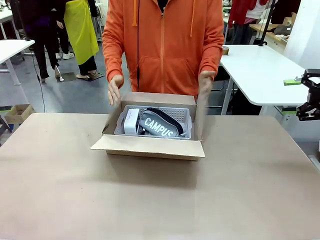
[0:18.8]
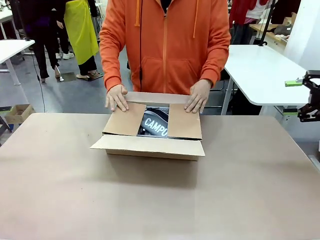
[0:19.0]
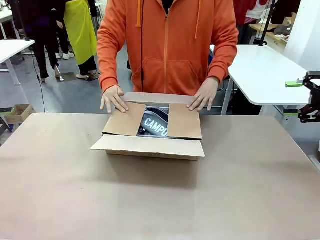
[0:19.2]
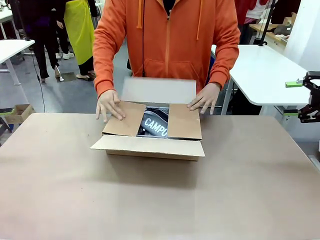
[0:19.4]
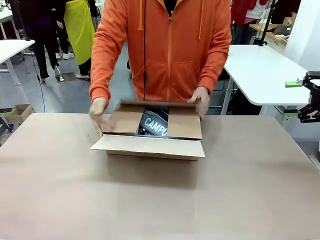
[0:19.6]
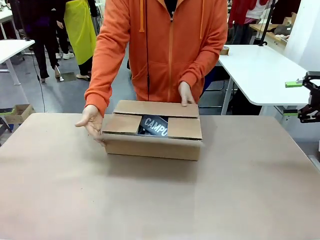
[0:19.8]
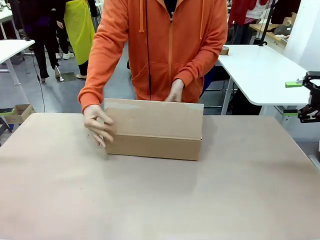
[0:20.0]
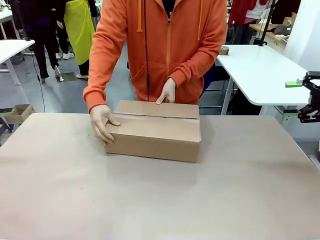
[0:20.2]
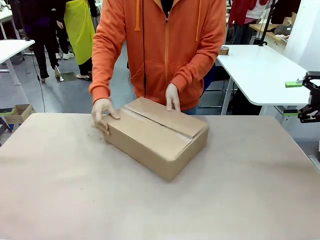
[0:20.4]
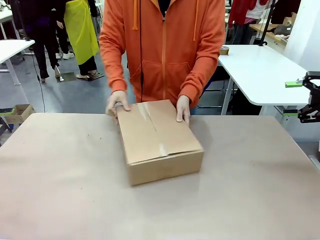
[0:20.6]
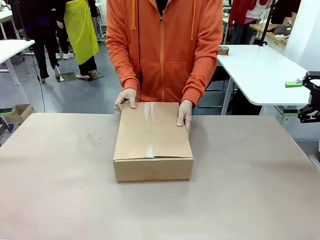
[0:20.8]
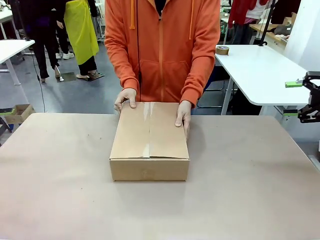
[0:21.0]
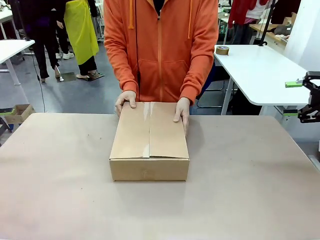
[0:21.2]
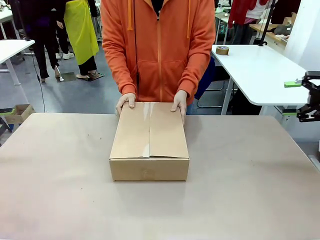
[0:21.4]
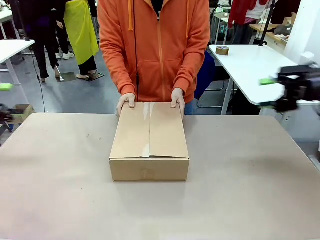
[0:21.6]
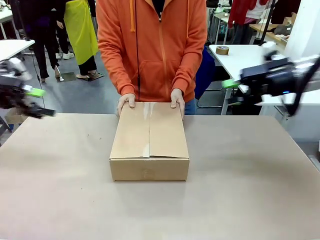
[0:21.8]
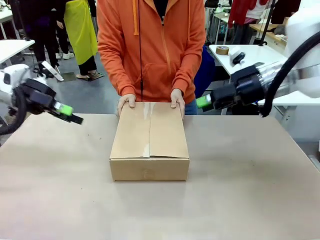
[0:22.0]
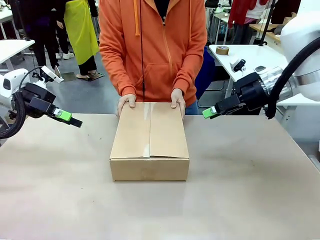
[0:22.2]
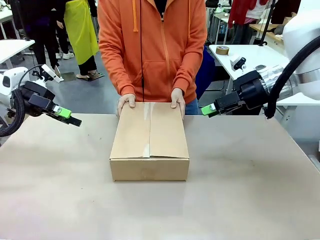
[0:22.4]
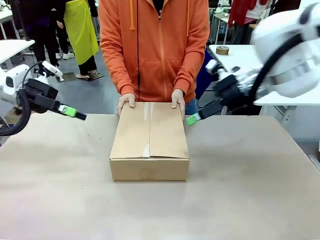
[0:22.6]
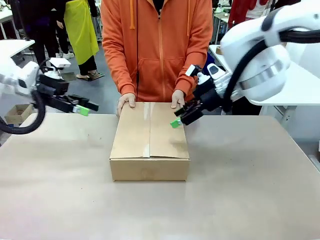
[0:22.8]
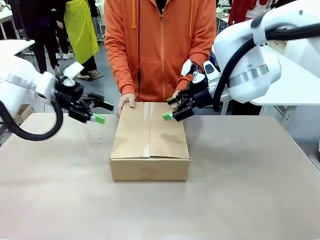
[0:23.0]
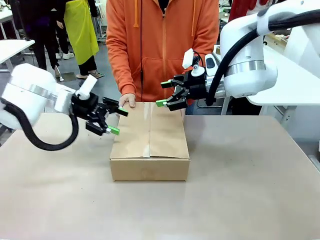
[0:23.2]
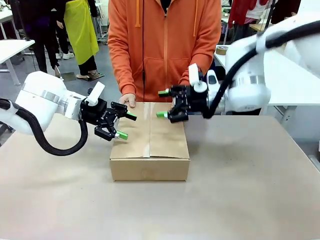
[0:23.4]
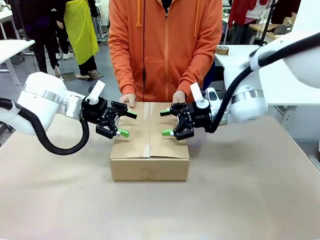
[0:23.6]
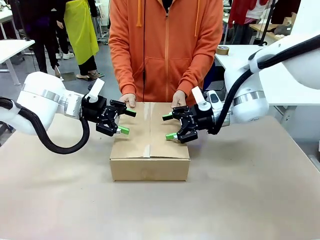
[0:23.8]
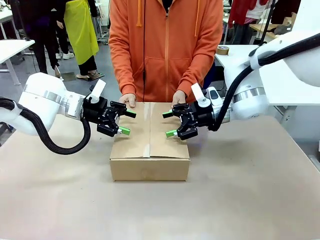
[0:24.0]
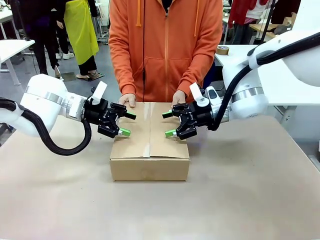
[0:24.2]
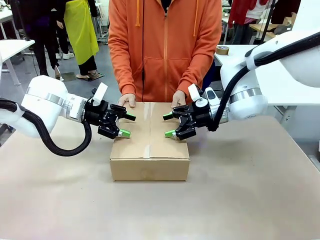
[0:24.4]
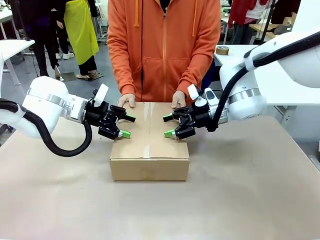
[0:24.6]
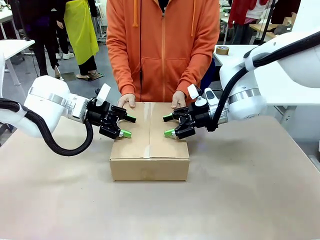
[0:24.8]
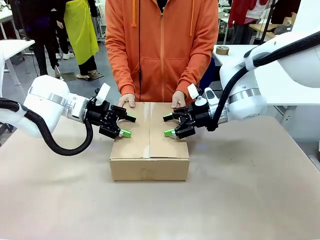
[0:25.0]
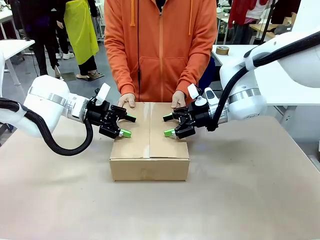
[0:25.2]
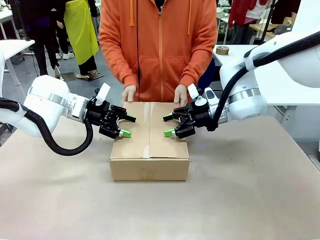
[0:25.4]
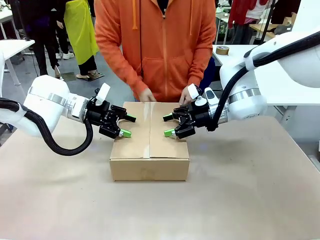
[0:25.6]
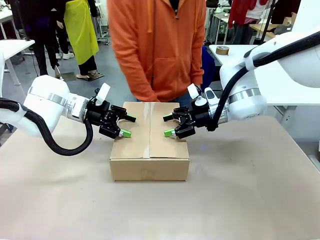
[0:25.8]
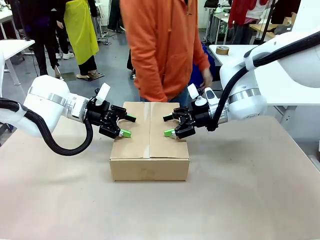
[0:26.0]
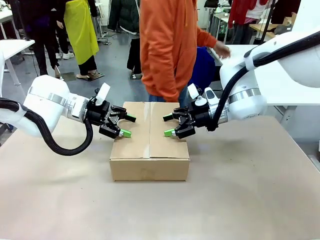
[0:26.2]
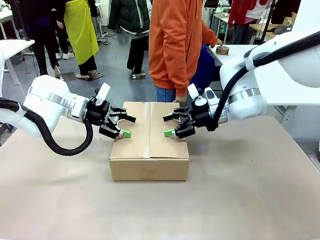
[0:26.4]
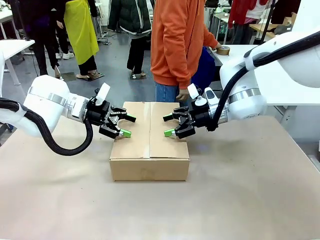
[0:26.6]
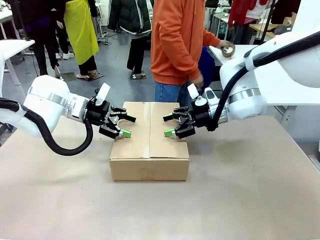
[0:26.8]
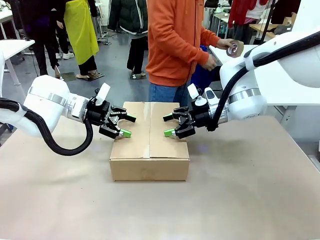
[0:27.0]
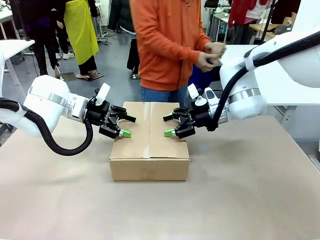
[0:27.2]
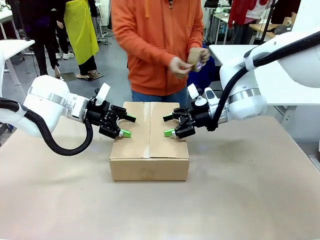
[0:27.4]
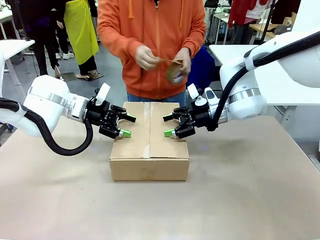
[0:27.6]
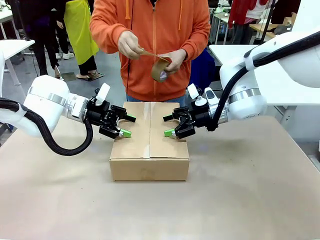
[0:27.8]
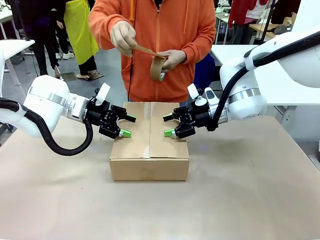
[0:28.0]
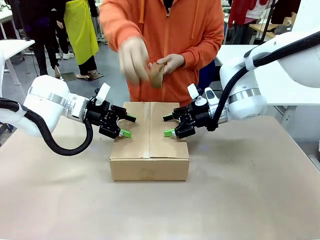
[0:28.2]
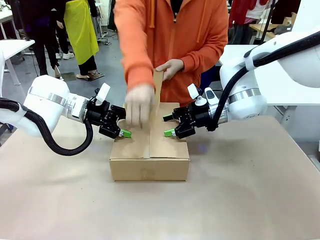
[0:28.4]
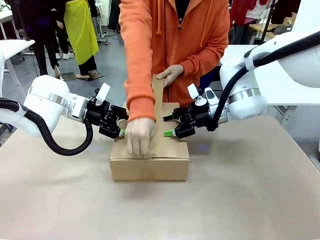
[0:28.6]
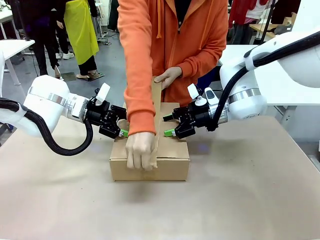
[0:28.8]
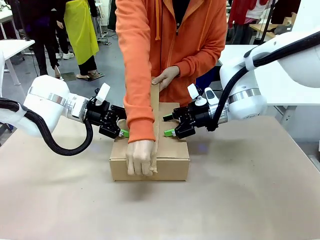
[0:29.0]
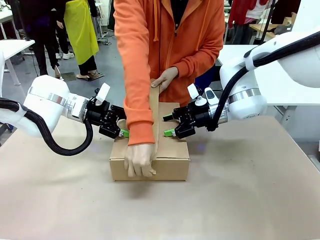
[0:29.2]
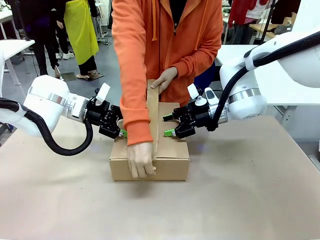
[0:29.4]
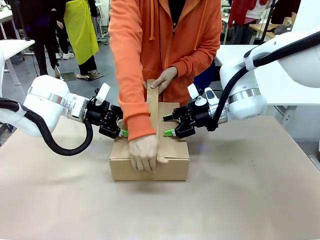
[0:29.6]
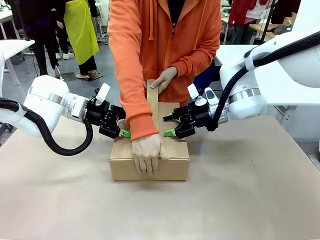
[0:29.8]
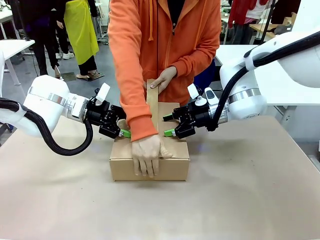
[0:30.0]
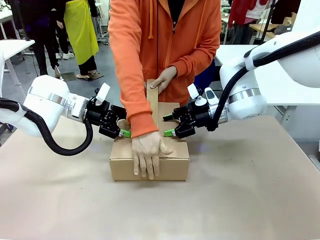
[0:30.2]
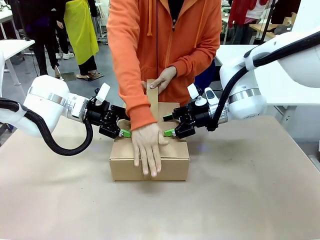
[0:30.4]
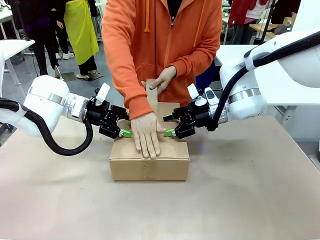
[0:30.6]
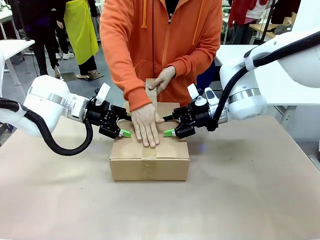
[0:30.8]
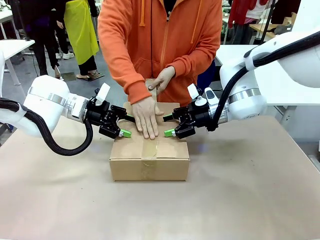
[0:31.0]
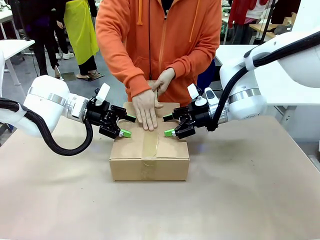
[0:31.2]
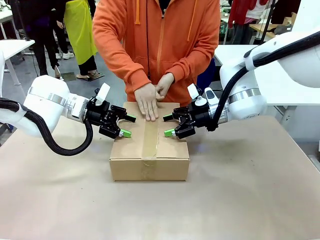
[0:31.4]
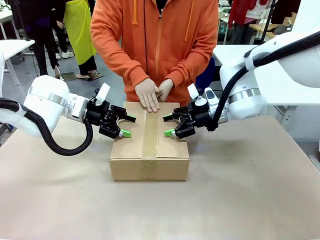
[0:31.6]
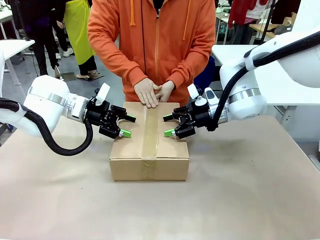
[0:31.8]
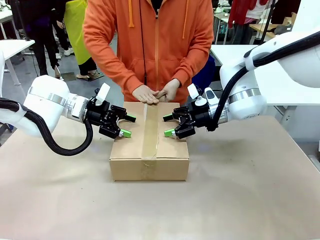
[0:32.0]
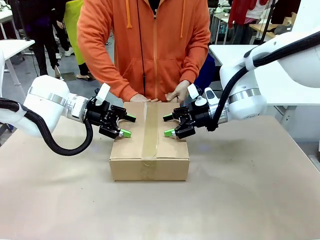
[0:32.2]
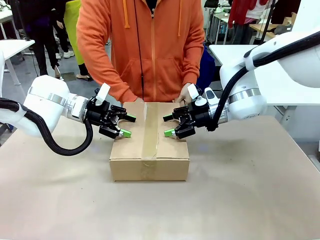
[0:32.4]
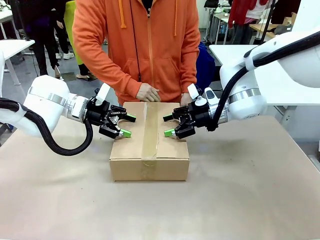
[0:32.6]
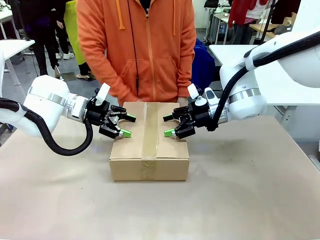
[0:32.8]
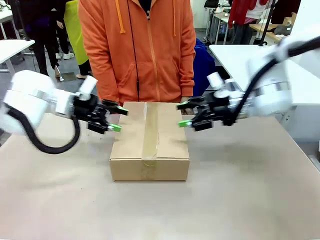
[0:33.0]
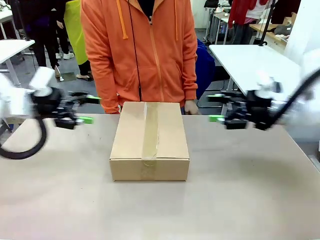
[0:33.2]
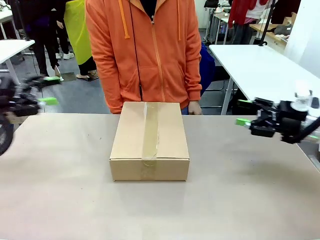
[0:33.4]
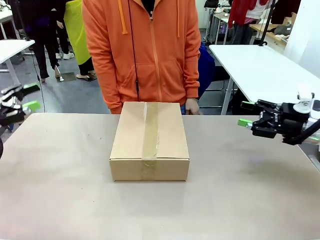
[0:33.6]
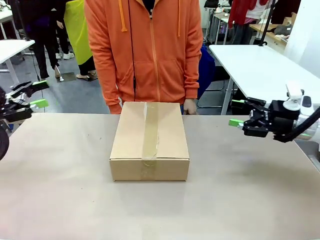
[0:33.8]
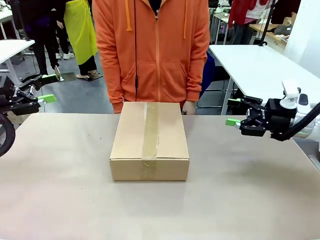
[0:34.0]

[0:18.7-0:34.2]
Task: Pack the gift set into the box.
Robot: Press and hold the closed box until the human finishes sealing it.
Person: The human closes the box and rotates the box by 90 degrees. The human picks up the paper tape from the human table and packs the box.
